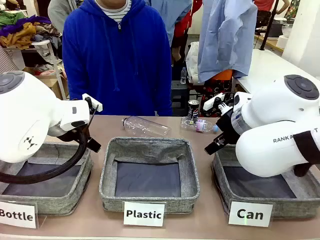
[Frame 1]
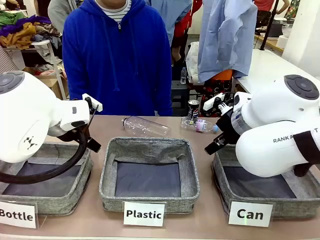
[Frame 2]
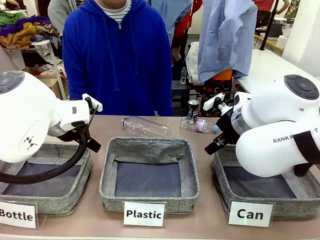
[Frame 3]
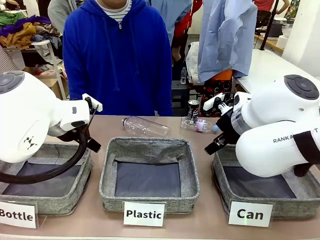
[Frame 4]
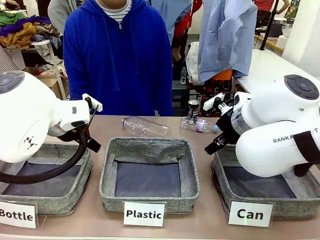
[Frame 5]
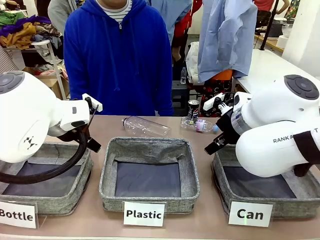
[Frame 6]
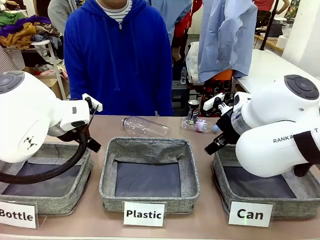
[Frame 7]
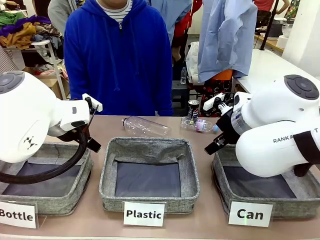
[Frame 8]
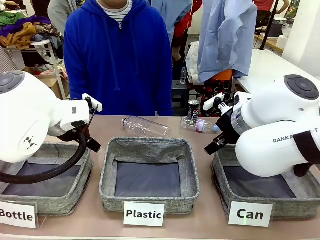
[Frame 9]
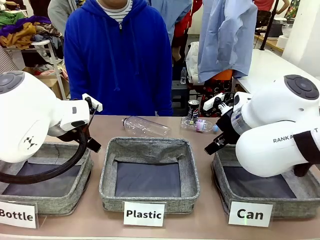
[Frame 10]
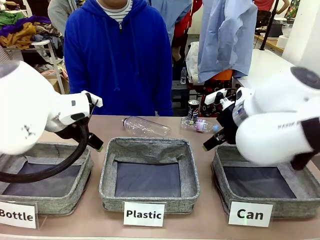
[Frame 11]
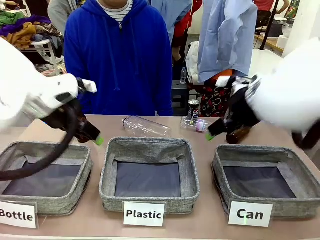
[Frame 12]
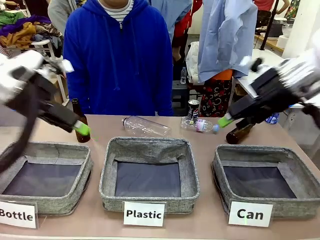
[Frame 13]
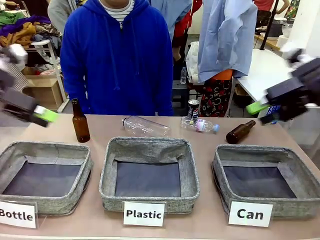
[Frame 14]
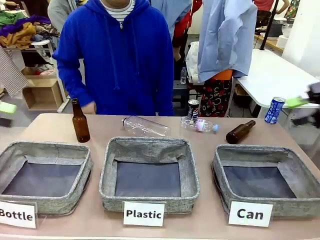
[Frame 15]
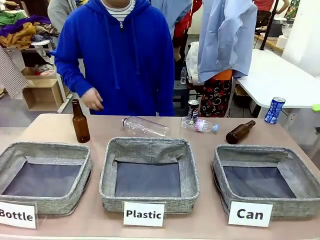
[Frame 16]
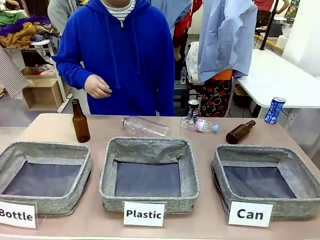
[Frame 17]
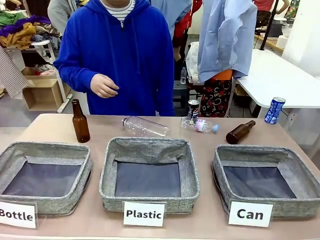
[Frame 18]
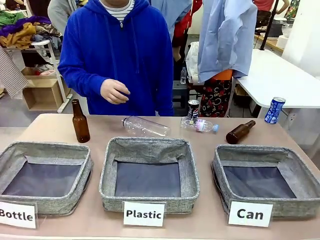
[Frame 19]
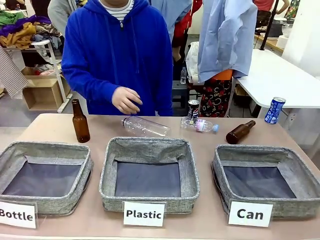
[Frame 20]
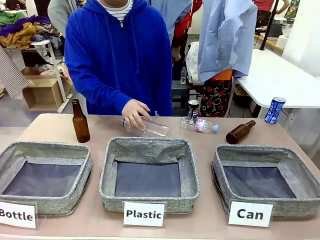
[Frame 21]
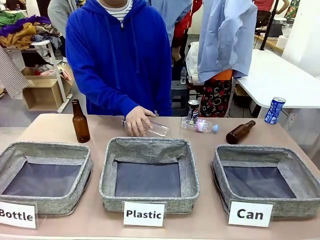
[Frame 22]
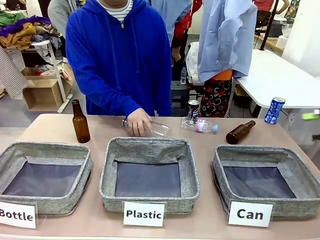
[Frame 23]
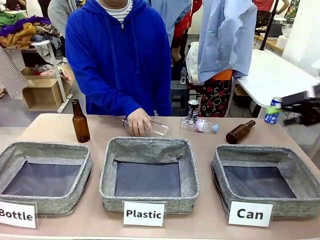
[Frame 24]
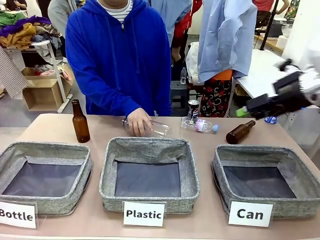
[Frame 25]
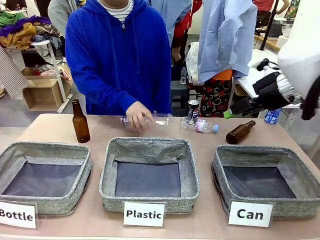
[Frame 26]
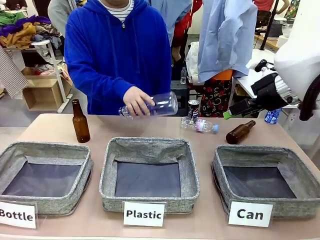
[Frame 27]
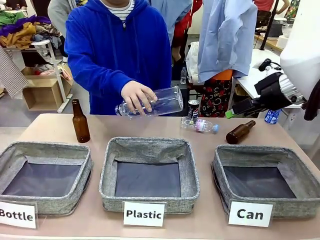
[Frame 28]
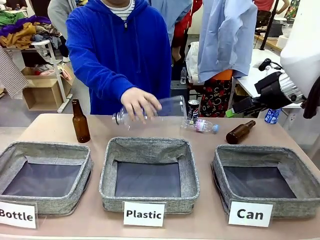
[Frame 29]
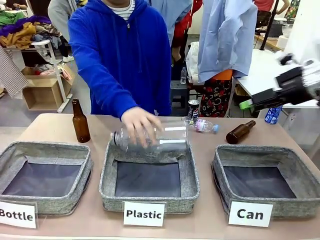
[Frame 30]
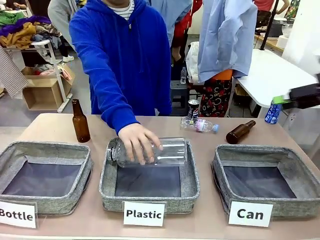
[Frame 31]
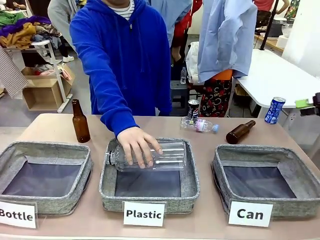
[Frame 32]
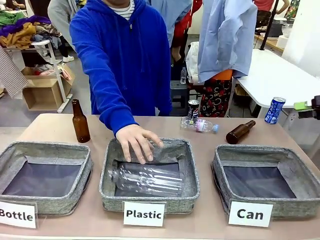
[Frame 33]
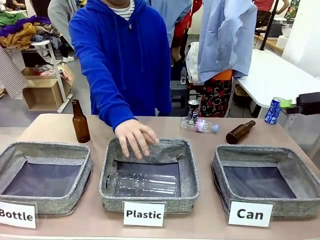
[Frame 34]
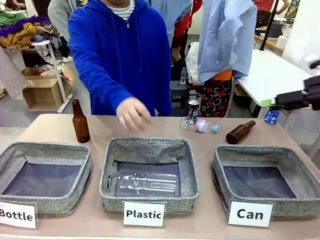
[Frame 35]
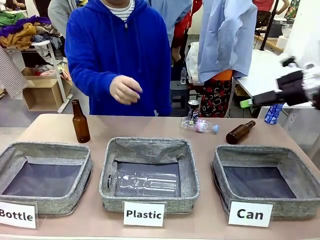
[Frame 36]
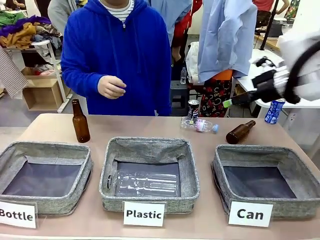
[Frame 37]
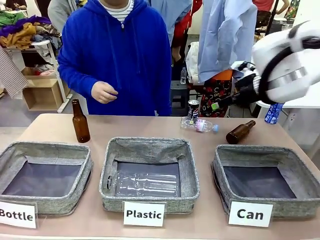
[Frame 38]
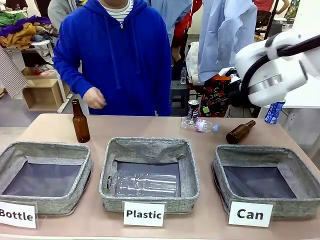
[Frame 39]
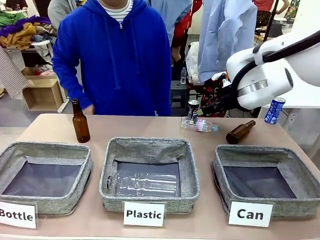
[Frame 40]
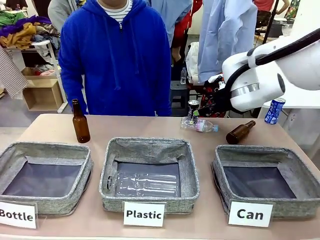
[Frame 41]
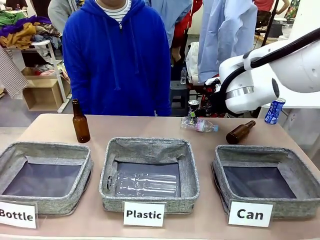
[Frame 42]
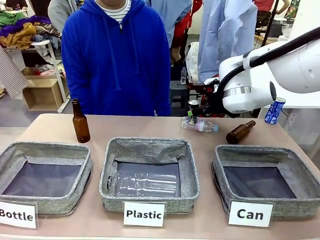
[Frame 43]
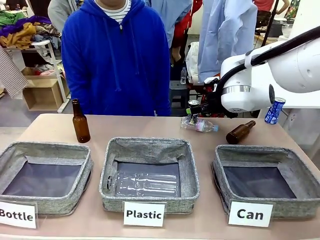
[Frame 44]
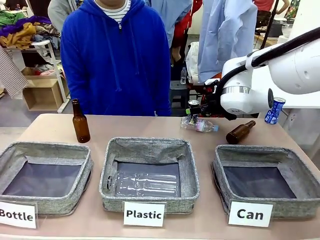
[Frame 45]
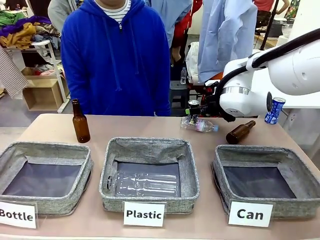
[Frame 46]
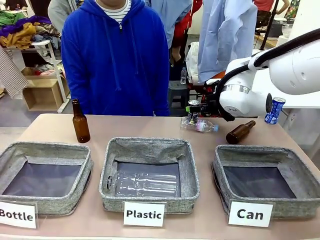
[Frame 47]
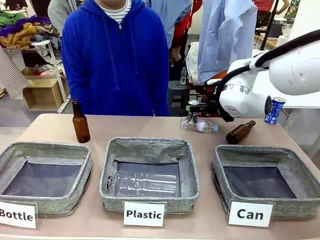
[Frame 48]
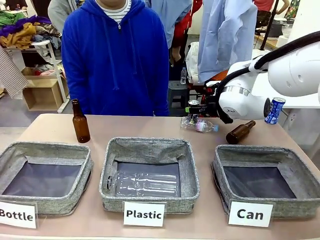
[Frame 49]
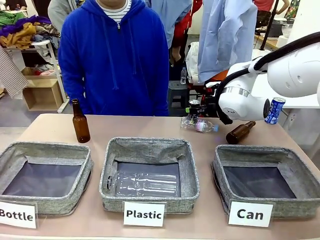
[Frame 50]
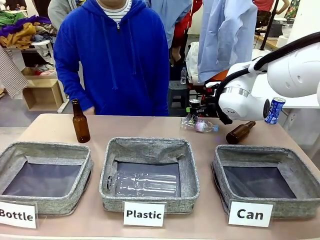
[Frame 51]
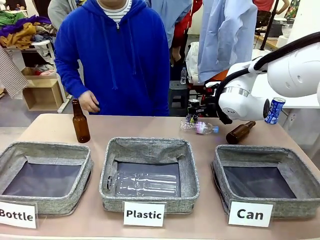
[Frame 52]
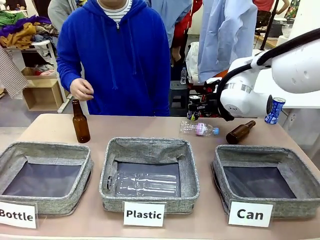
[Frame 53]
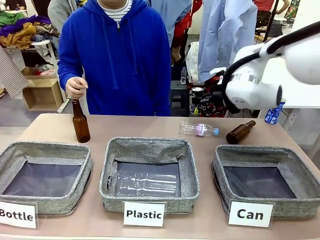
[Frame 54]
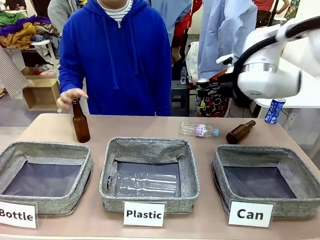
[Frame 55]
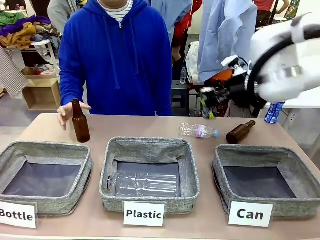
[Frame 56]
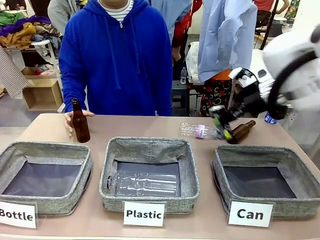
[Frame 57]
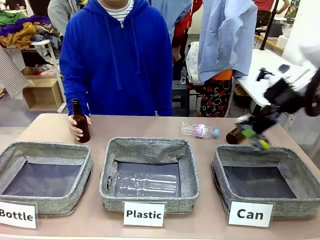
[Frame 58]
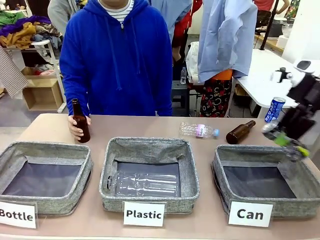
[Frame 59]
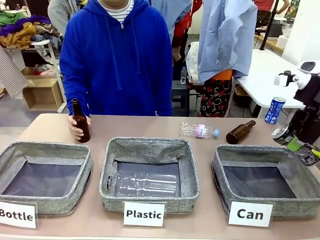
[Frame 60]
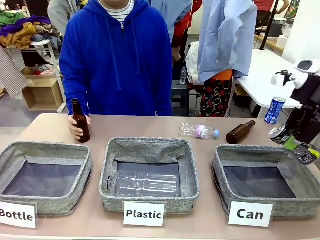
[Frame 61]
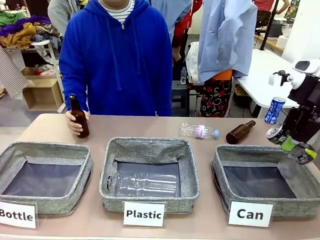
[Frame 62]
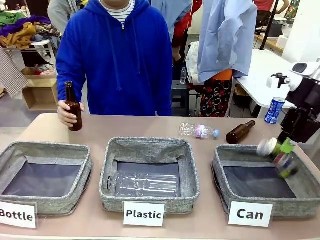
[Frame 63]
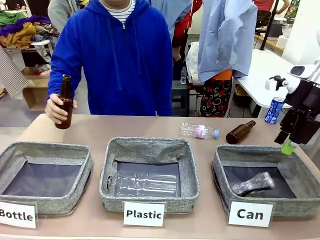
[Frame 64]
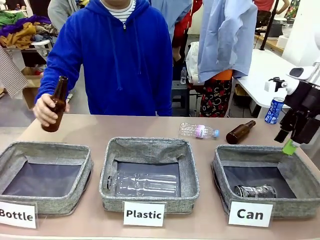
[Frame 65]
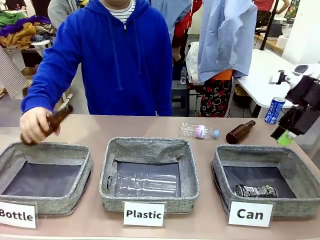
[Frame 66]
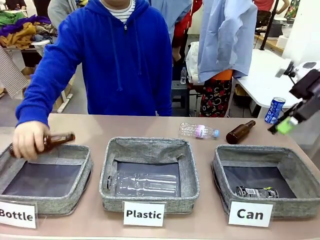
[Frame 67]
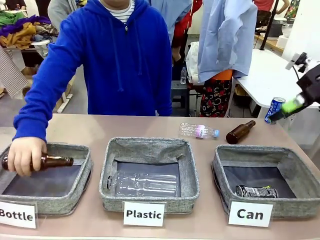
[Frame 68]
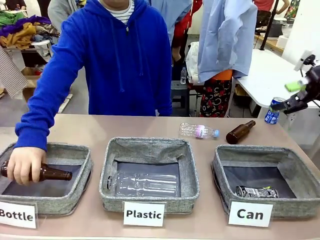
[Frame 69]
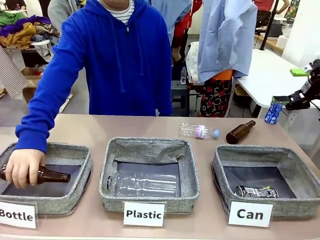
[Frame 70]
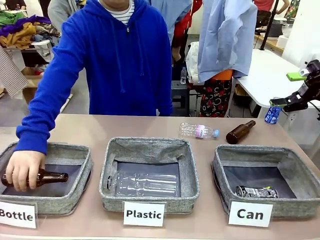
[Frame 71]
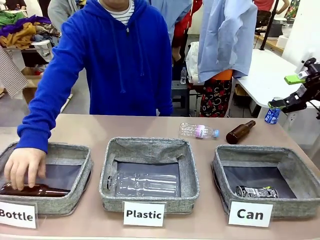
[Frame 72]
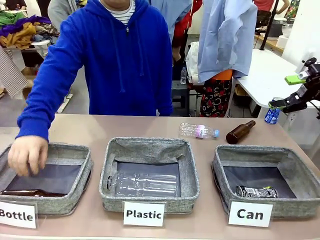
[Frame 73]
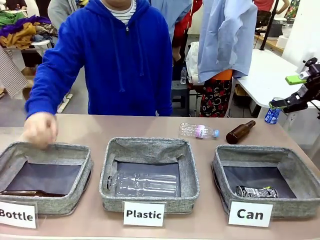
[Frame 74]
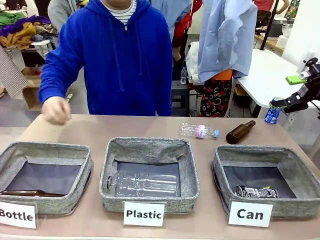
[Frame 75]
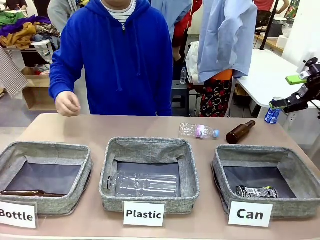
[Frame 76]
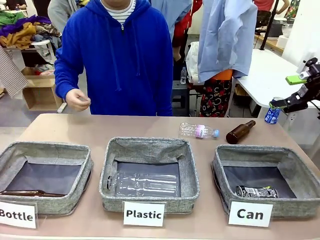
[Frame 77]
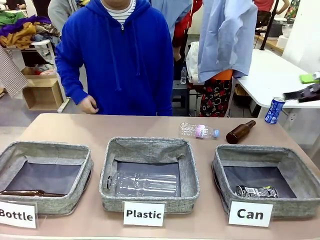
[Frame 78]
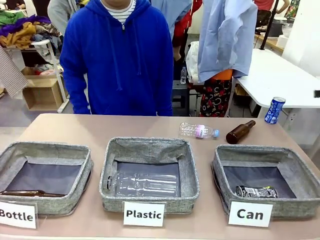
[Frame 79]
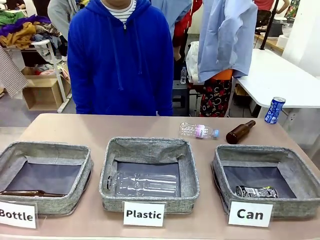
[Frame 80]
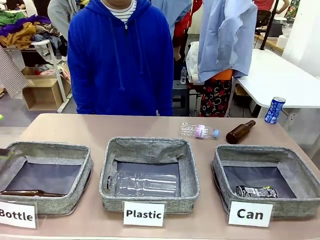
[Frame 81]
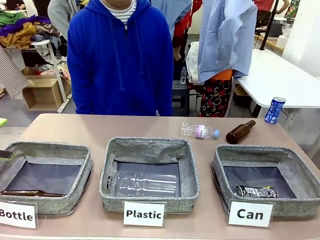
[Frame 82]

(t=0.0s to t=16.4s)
Task: Sort the can waste into the basket.
Robot: Pick up the can waste from the table and place it in the right Fabric basket.
